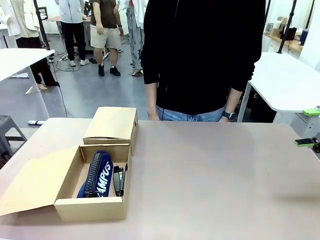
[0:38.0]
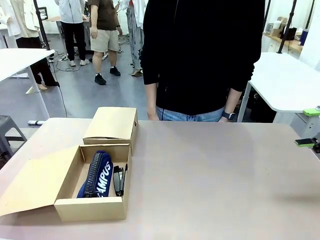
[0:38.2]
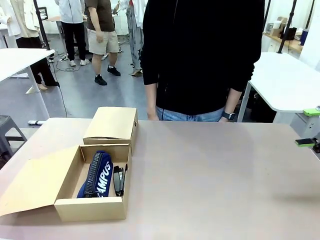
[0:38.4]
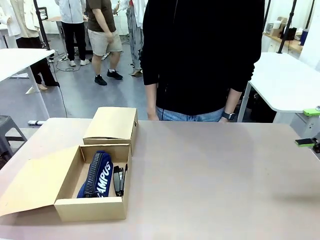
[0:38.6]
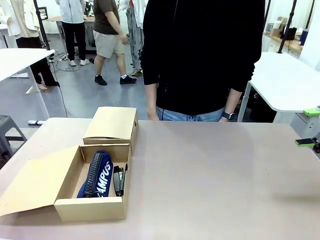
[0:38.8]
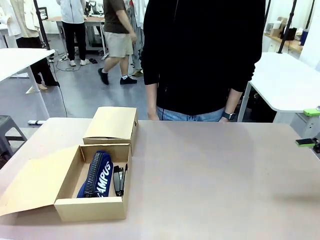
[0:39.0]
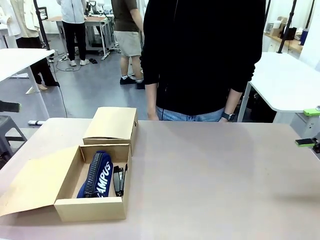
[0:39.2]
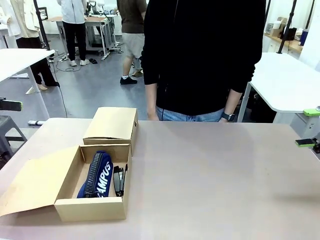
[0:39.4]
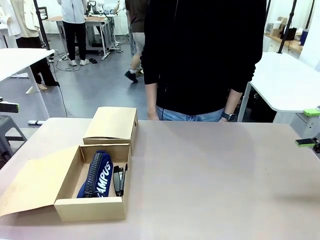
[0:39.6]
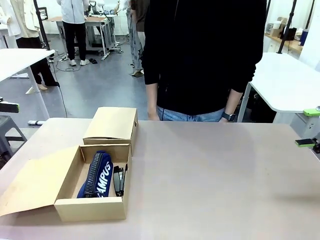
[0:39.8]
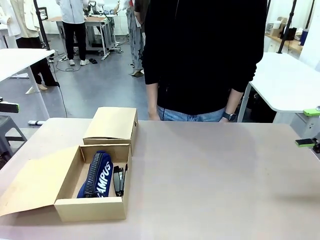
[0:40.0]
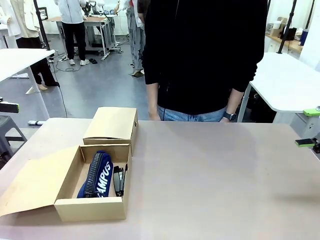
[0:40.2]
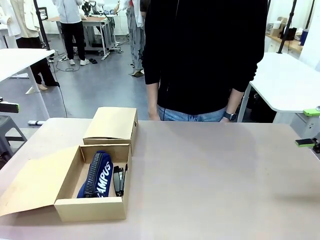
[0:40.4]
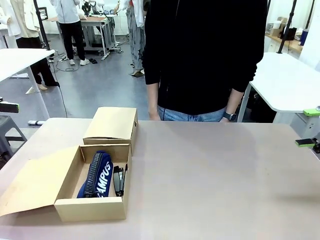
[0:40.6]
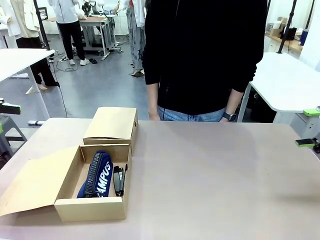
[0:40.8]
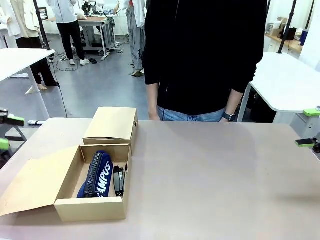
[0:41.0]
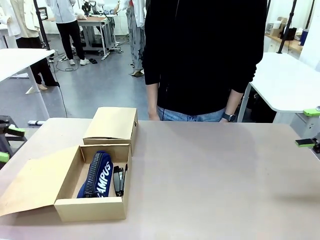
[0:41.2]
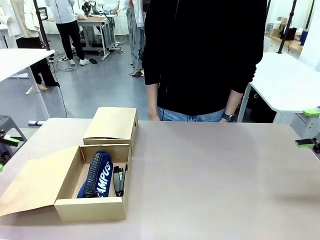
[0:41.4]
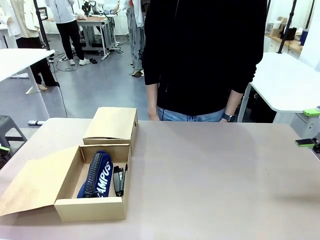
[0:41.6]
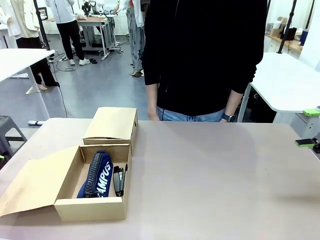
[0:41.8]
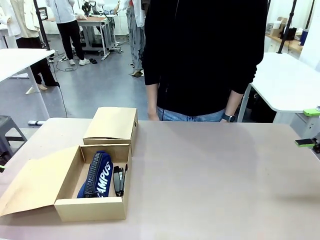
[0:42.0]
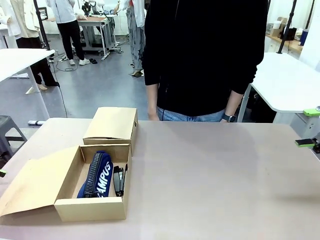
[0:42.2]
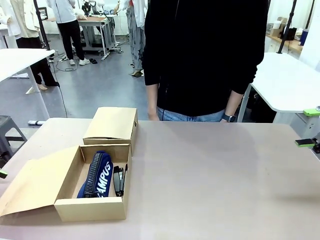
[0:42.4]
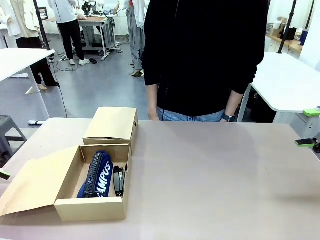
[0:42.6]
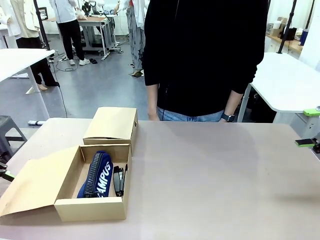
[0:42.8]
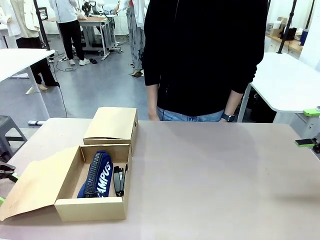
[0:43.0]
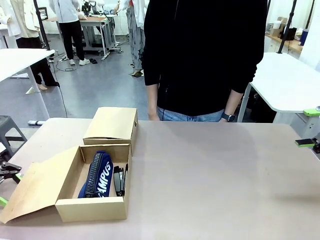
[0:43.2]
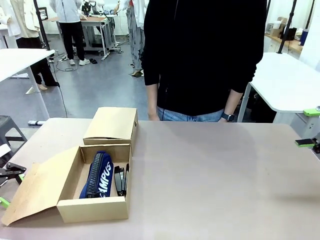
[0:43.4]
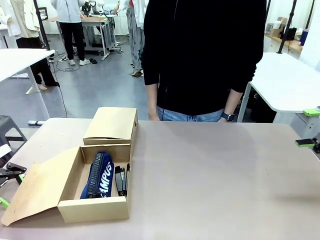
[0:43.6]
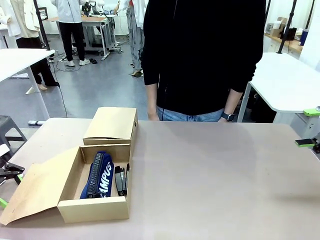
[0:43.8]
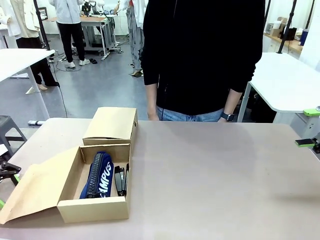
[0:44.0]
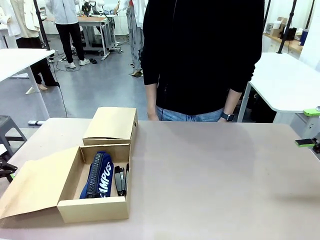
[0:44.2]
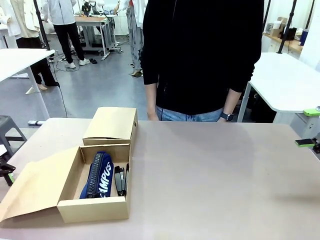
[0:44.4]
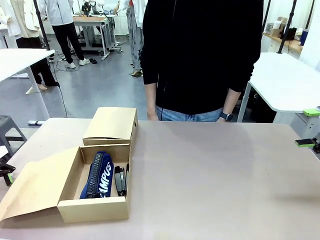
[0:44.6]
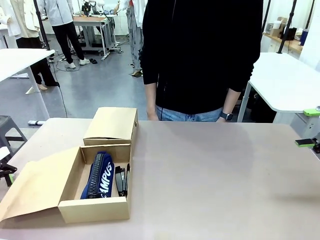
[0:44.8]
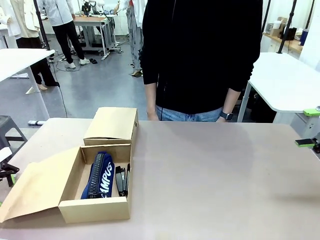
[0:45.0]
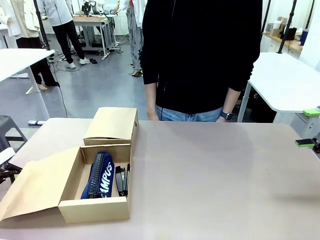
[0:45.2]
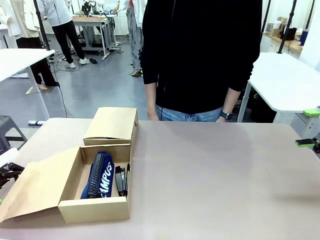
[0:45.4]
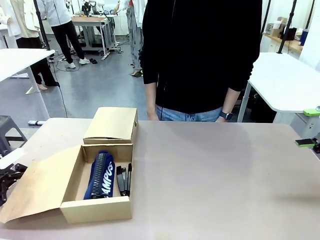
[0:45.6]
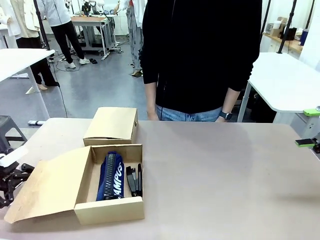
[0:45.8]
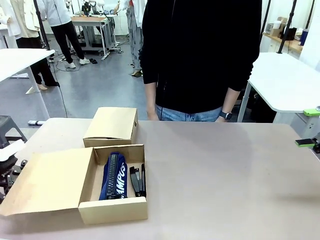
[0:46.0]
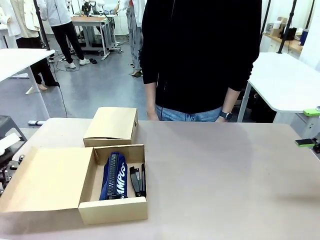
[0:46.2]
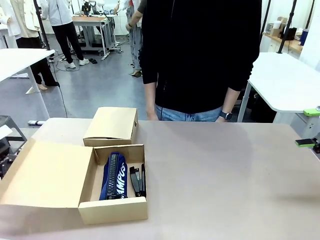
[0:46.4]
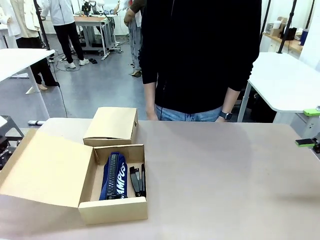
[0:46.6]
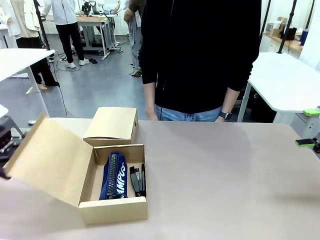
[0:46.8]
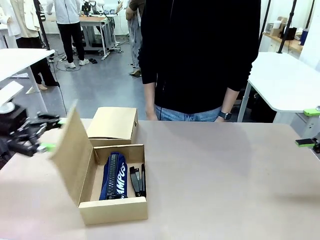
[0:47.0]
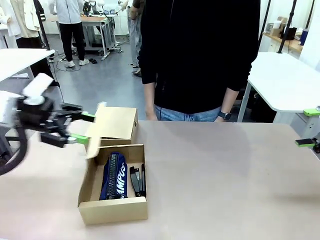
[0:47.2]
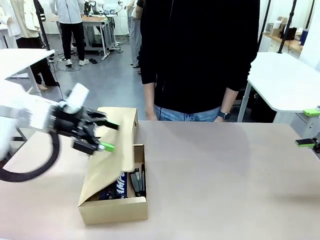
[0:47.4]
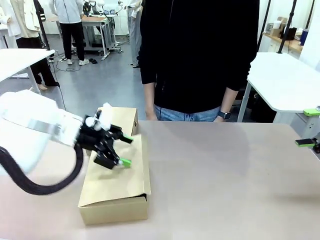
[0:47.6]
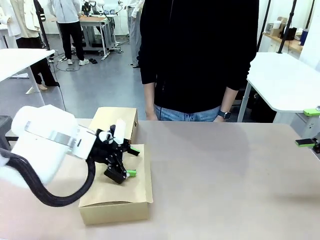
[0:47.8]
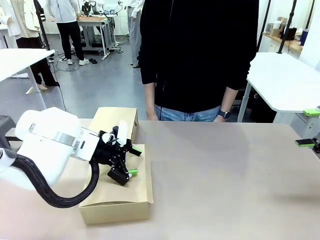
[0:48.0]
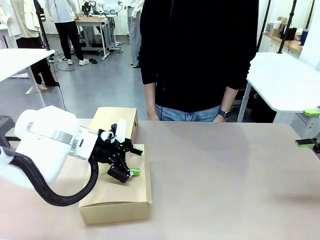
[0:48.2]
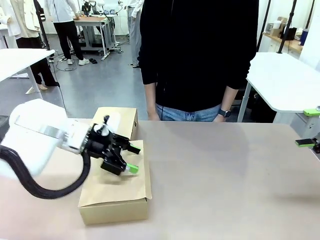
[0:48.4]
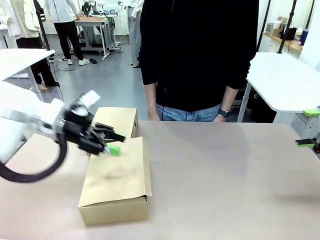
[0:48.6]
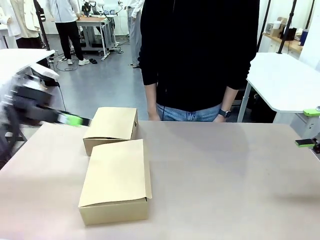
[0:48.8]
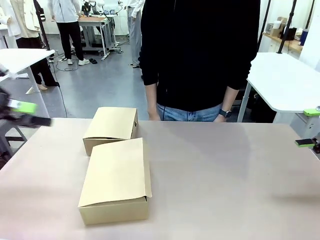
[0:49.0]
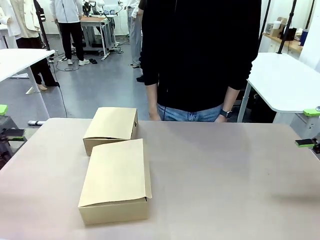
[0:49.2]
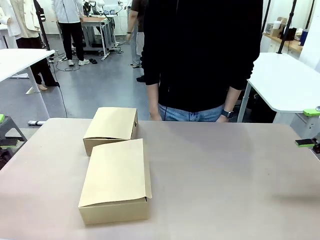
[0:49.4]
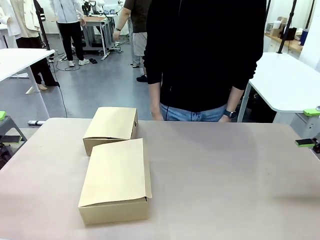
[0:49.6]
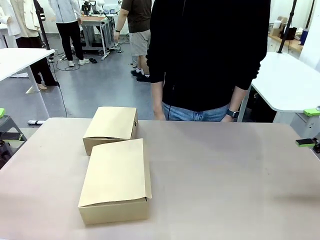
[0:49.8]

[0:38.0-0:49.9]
Task: Place items inside the box.
Robot: Close the lid of the Mailer Box closest to the robot.
Person: Close the lid of the box facing the person.

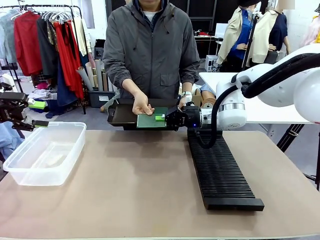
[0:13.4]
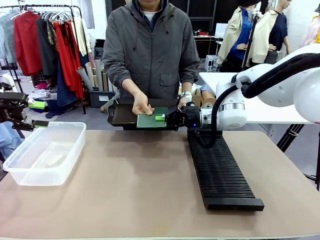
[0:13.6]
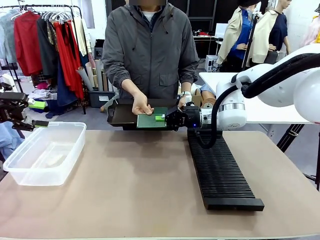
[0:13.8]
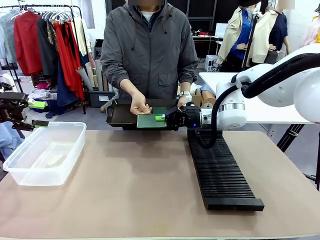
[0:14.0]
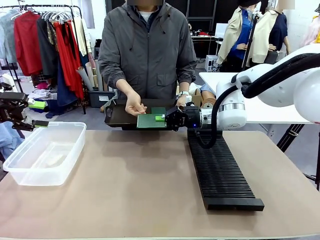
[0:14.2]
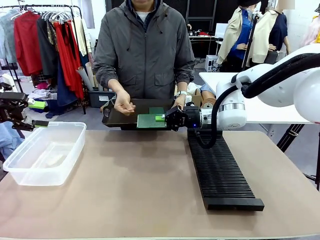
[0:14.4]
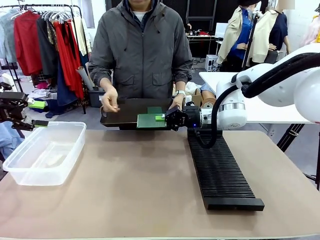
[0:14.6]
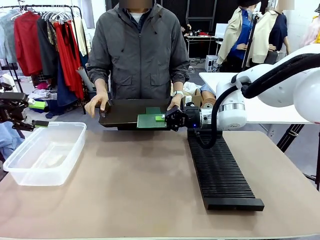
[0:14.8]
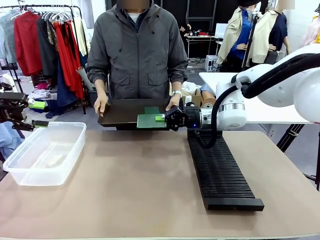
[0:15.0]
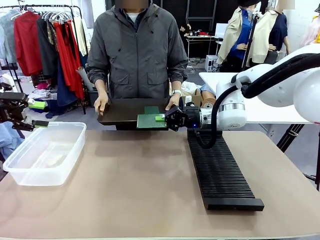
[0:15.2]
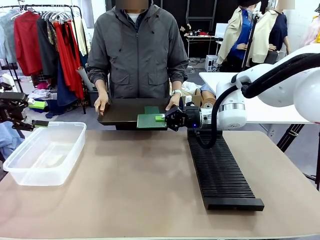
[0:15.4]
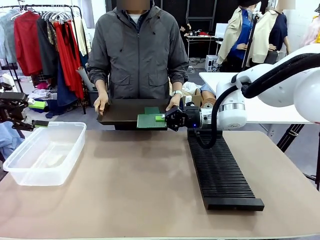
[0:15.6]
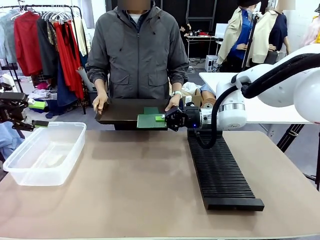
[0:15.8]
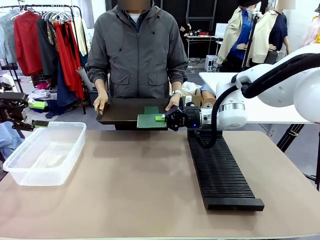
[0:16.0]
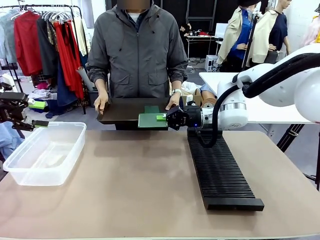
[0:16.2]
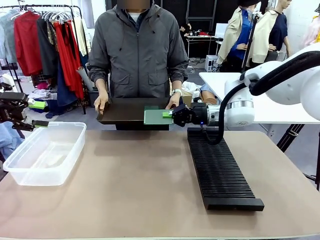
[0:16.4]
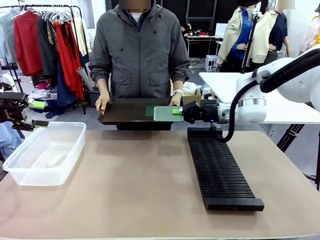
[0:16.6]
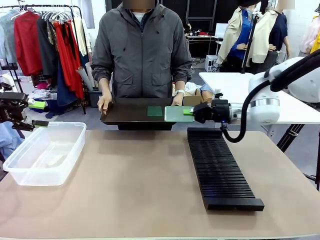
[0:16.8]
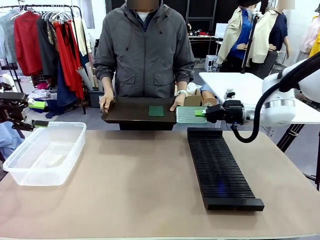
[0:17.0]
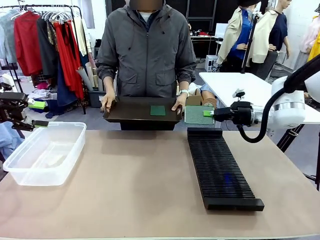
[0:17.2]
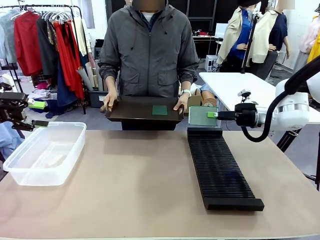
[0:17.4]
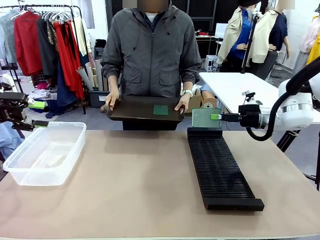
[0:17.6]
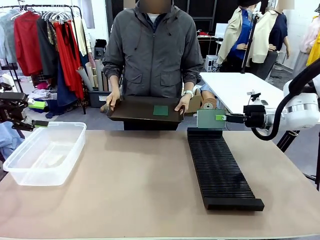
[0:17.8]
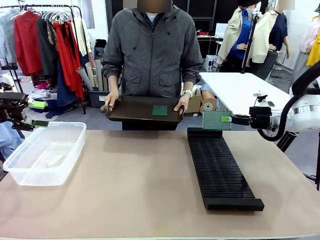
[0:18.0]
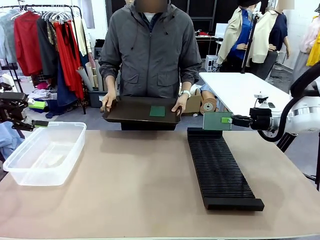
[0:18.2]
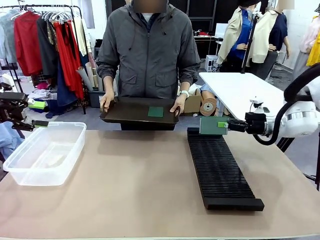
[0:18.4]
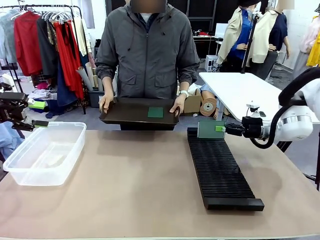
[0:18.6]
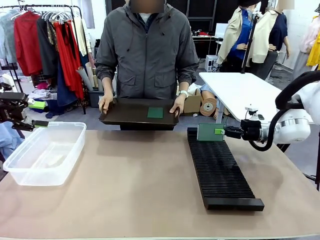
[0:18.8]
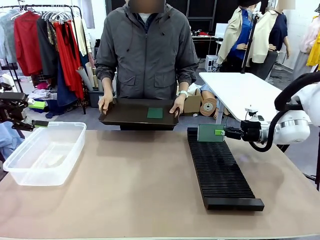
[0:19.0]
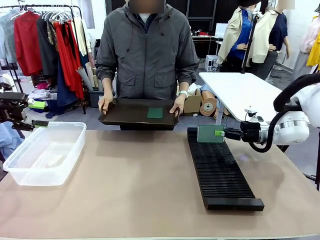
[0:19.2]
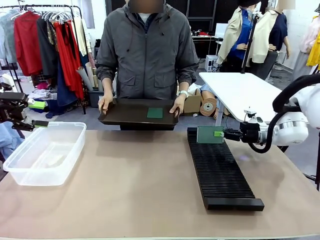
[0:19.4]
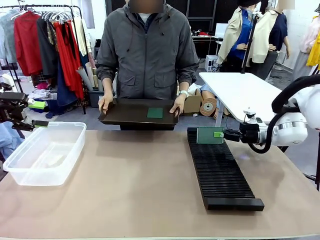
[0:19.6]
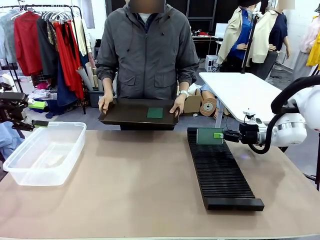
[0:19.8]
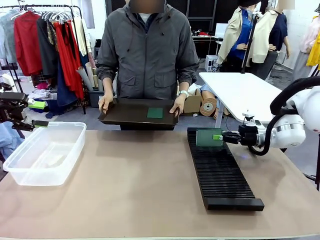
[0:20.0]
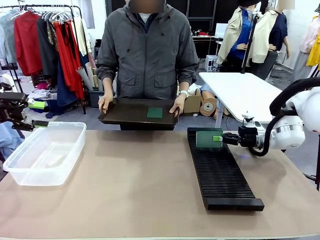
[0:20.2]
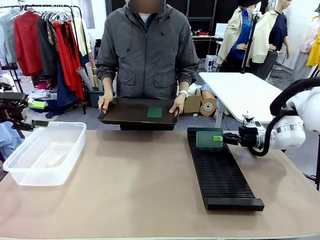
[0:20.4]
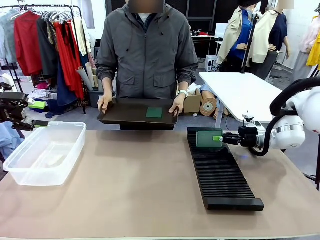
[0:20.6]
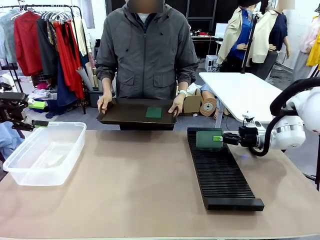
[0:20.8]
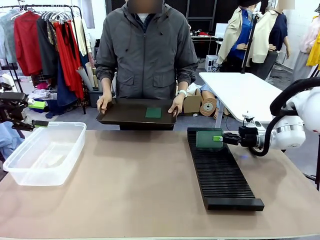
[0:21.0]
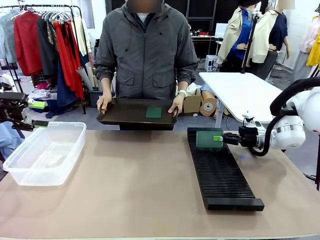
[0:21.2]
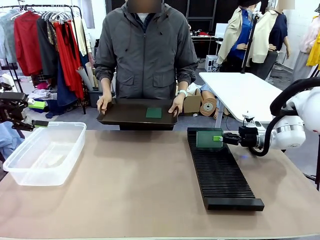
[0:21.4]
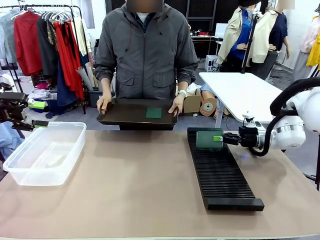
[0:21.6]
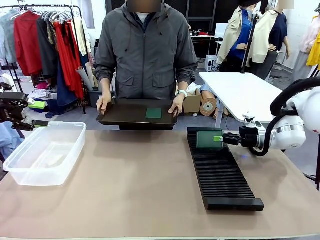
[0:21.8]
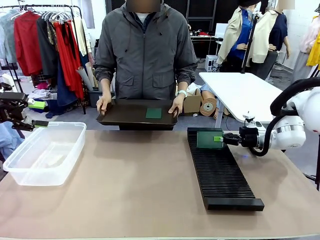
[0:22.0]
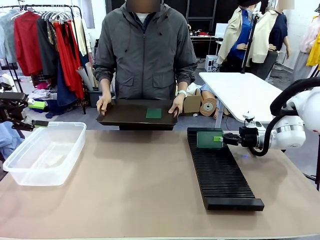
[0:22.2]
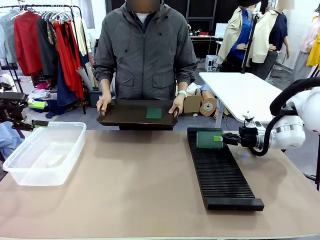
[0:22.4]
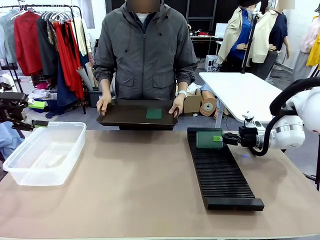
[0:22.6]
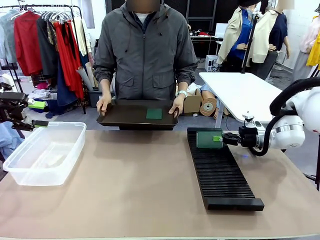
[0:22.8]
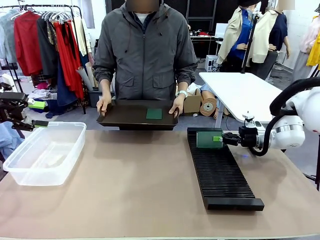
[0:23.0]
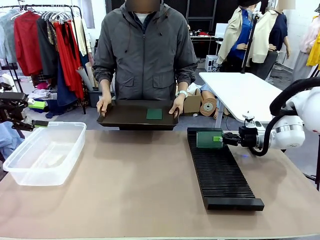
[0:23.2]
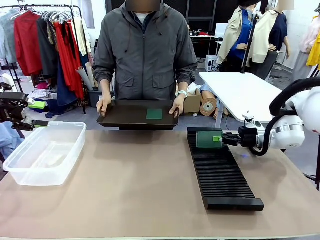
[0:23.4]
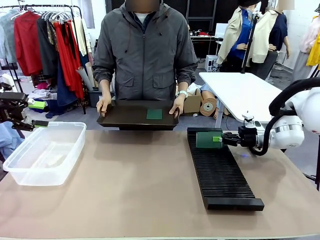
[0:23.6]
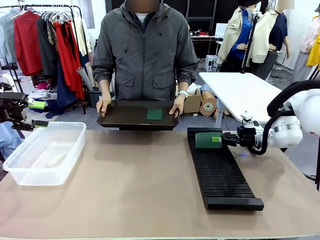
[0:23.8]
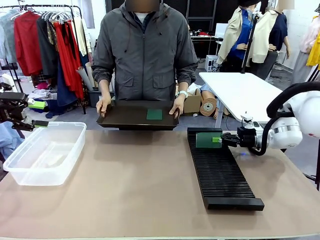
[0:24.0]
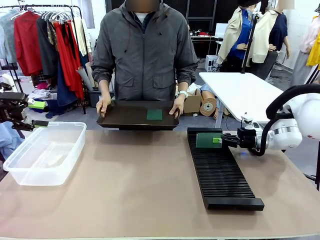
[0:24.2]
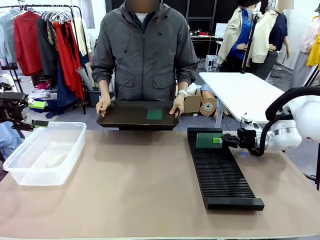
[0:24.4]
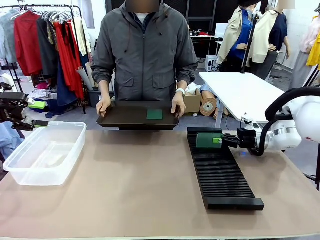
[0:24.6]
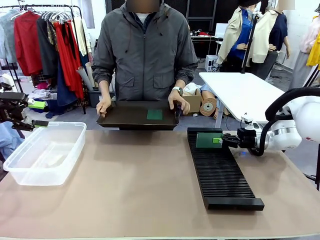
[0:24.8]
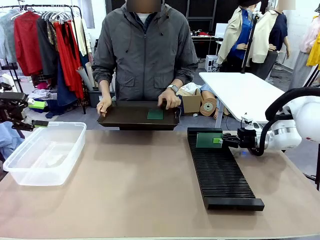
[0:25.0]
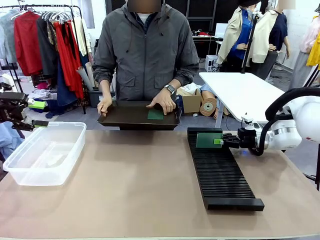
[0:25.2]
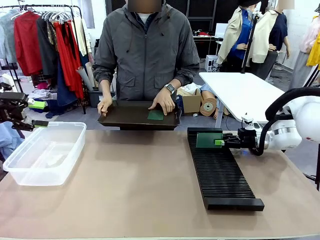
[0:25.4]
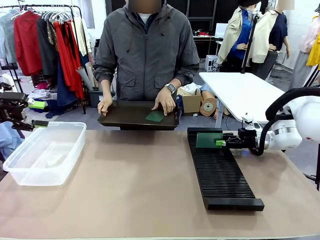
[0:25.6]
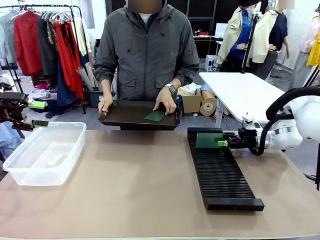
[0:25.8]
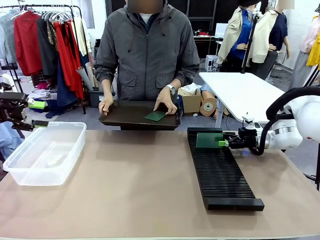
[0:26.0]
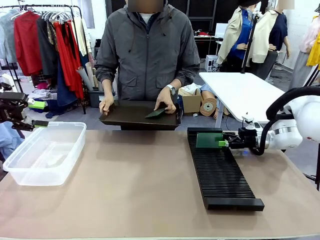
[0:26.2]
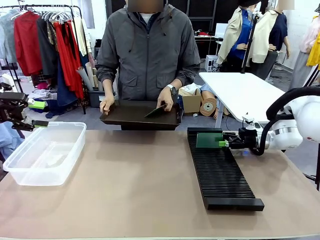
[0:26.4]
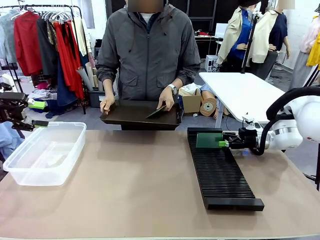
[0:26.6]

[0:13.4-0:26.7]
Task: Sort PCBs into racks and boxes based on the side picked up.
Robot: If the short side of the Blank PCB is picked up, insert it into the PCB Rack ; if the long side is picked up, place it in the Organizing box.
Person: Pick one PCB from the tray and present it to the robot.
